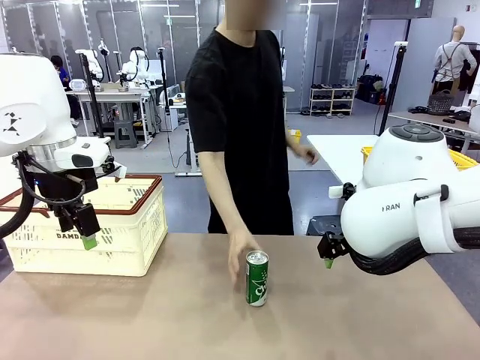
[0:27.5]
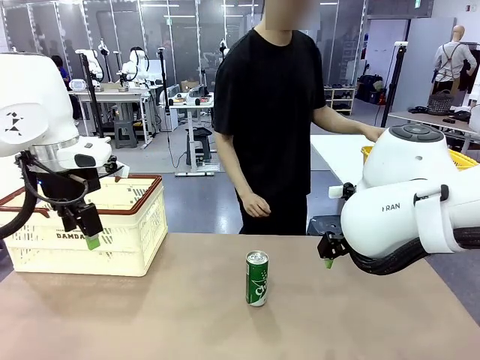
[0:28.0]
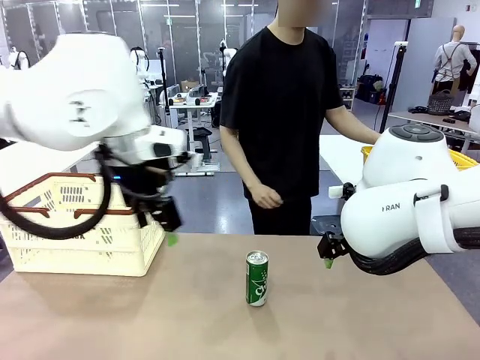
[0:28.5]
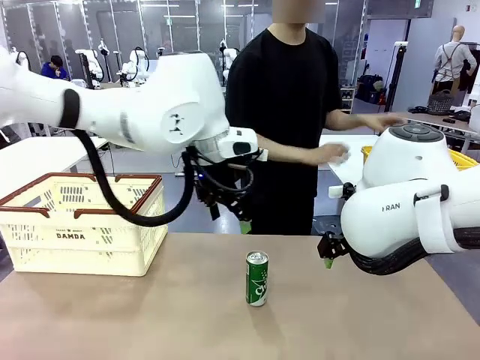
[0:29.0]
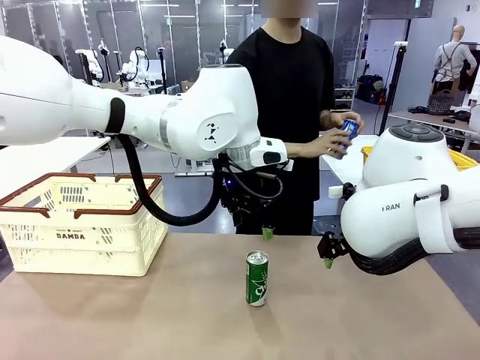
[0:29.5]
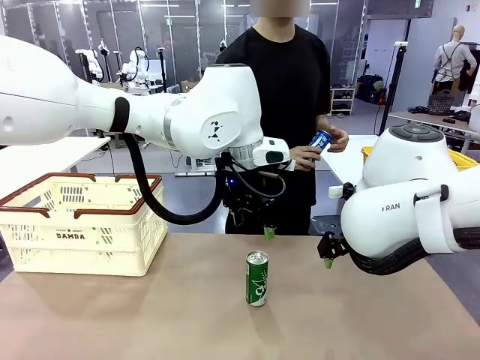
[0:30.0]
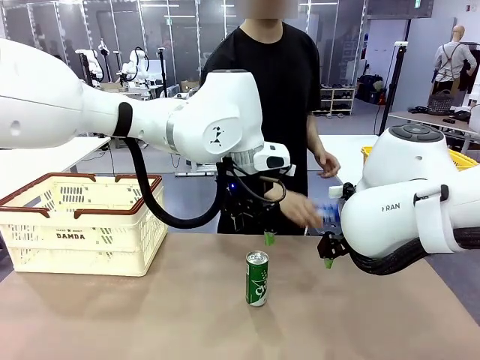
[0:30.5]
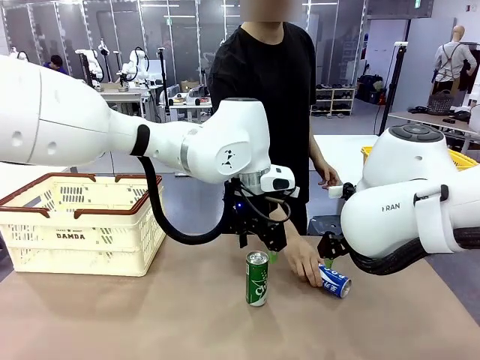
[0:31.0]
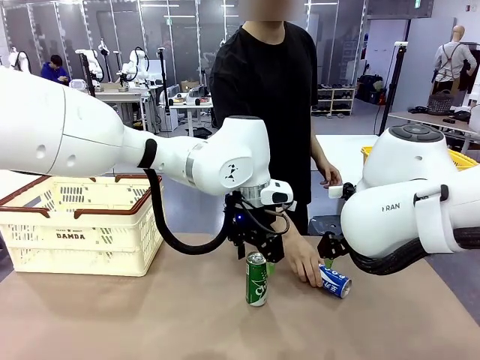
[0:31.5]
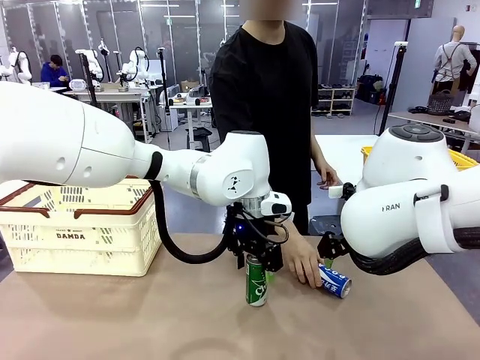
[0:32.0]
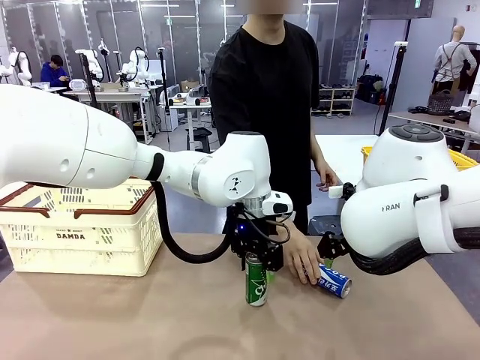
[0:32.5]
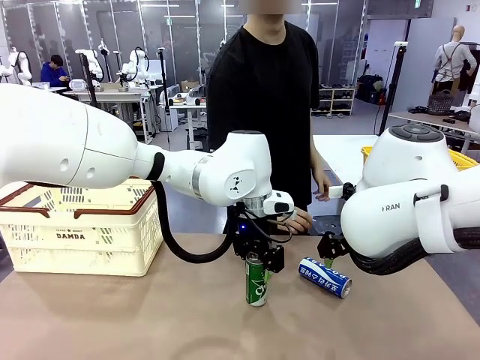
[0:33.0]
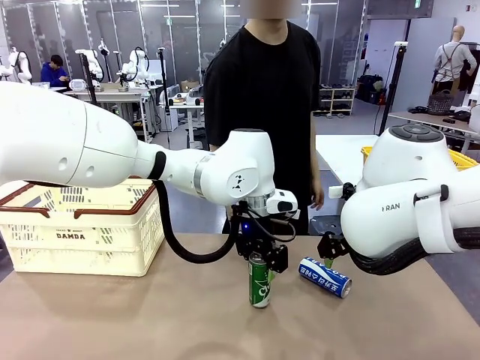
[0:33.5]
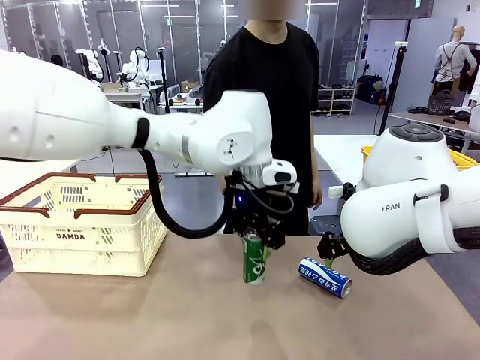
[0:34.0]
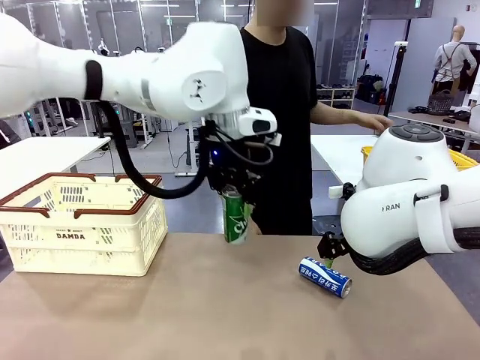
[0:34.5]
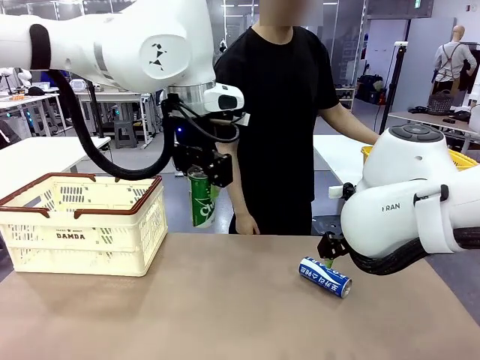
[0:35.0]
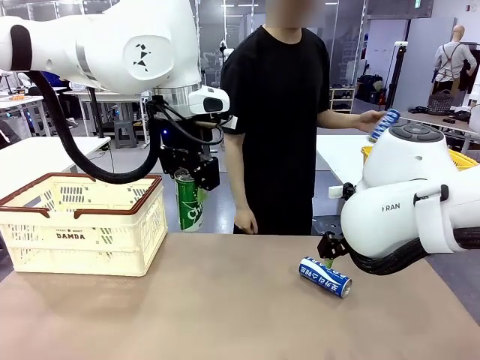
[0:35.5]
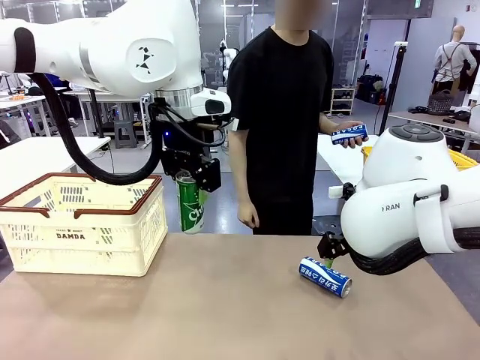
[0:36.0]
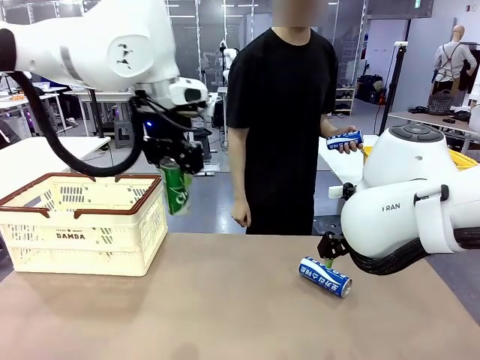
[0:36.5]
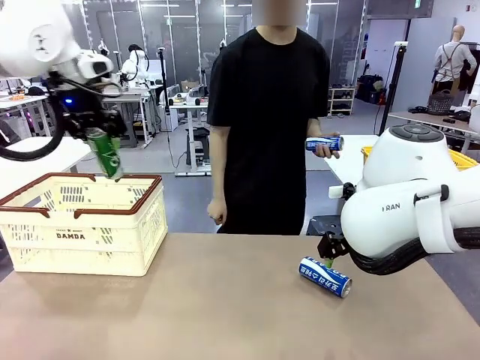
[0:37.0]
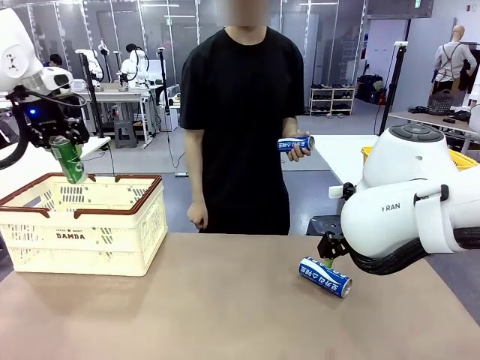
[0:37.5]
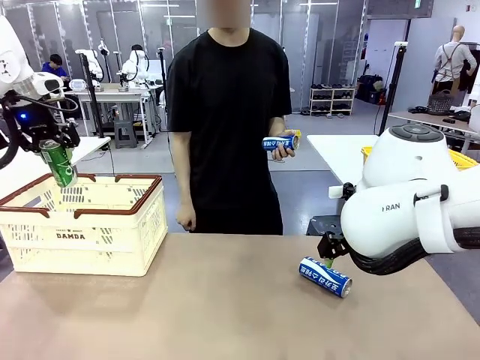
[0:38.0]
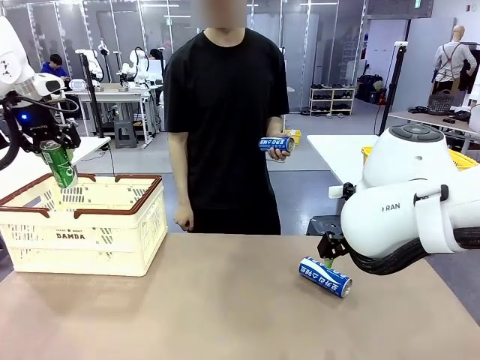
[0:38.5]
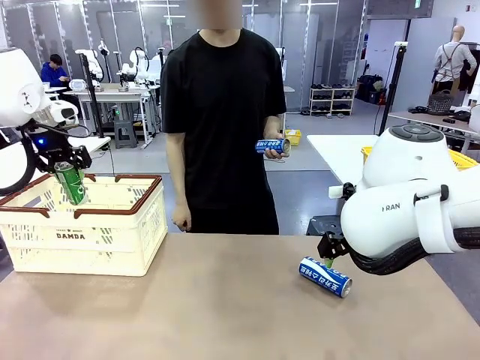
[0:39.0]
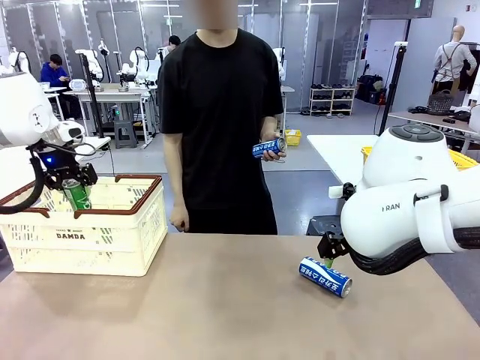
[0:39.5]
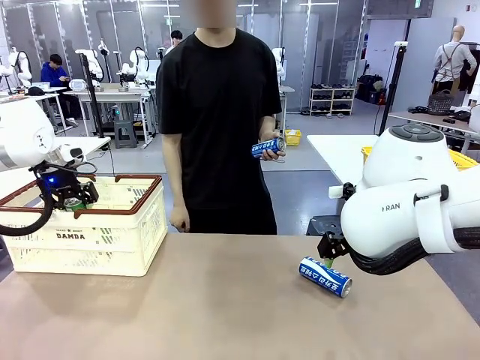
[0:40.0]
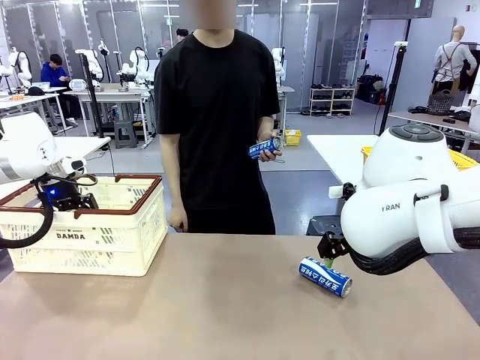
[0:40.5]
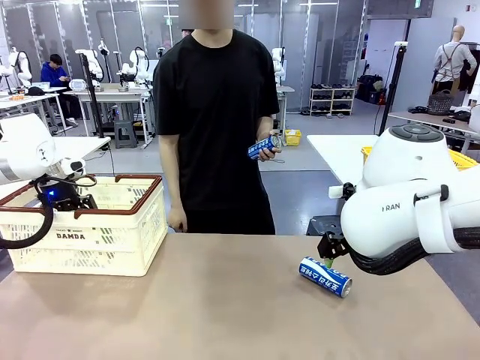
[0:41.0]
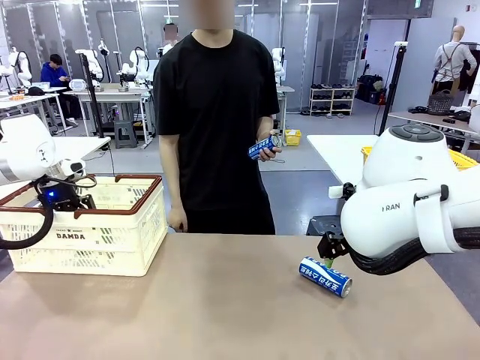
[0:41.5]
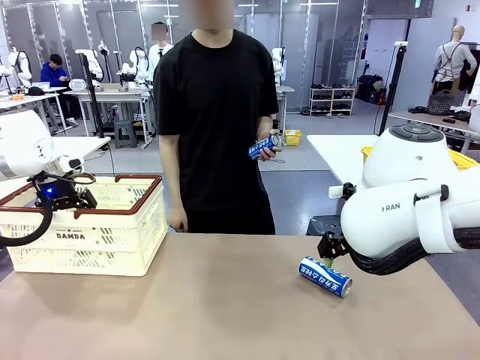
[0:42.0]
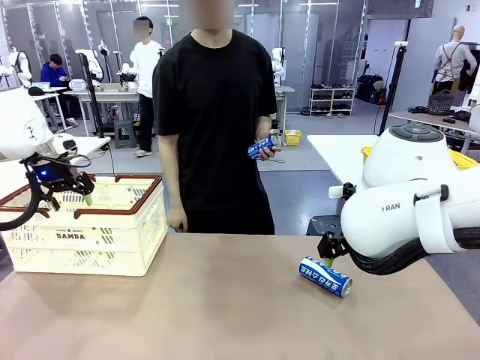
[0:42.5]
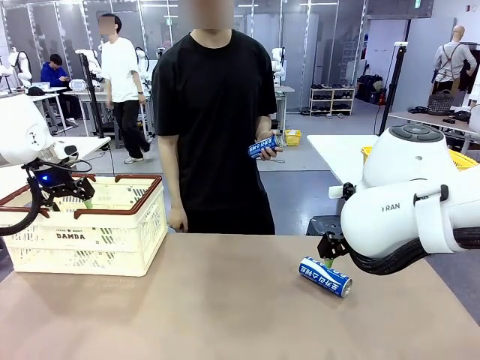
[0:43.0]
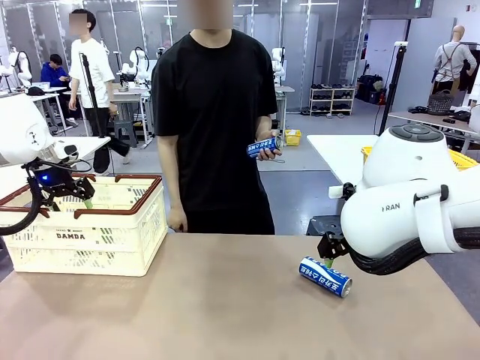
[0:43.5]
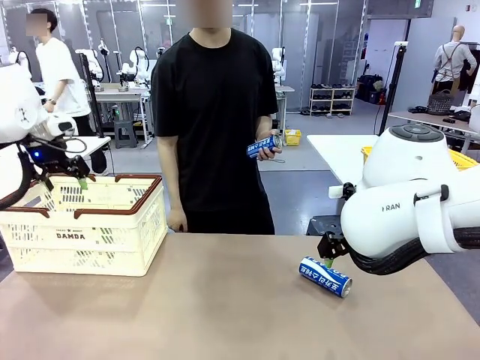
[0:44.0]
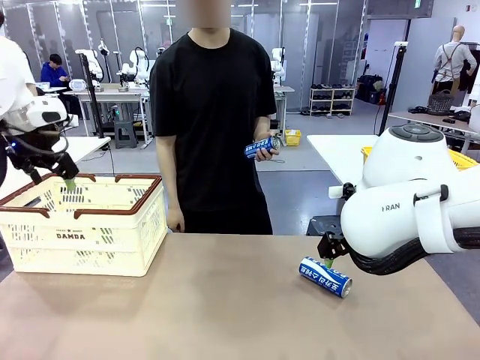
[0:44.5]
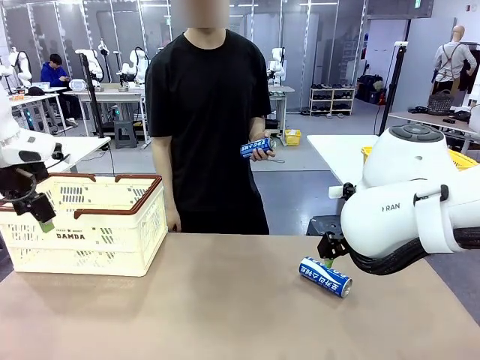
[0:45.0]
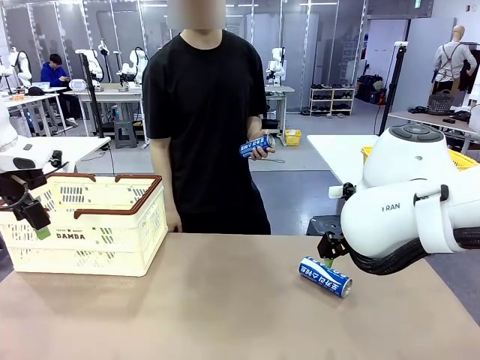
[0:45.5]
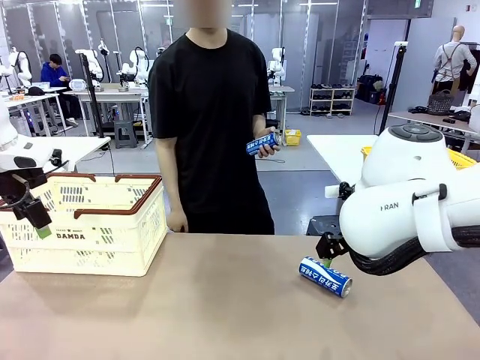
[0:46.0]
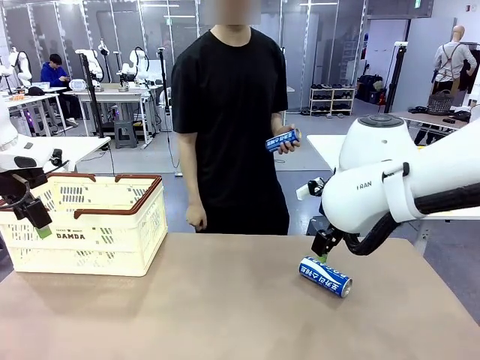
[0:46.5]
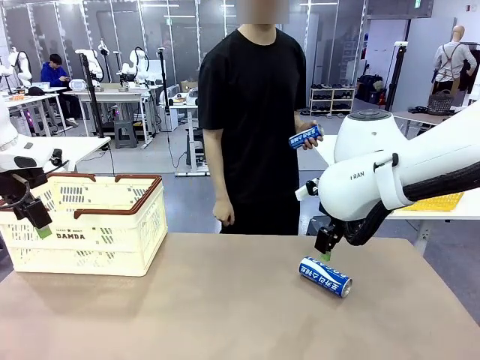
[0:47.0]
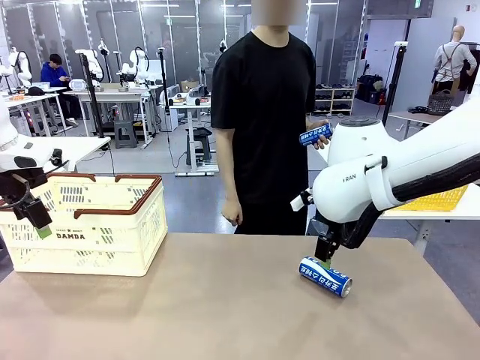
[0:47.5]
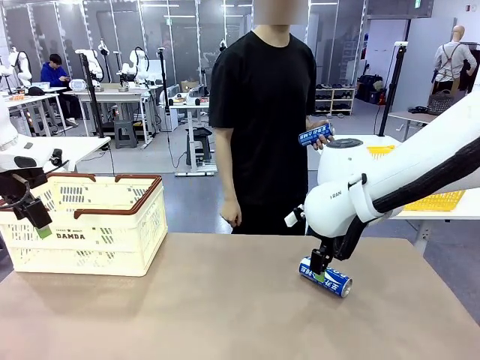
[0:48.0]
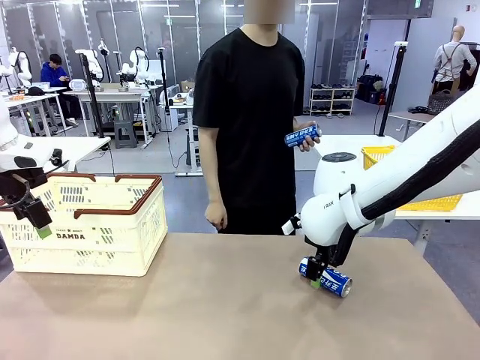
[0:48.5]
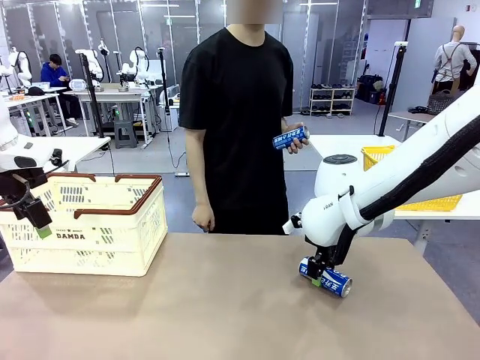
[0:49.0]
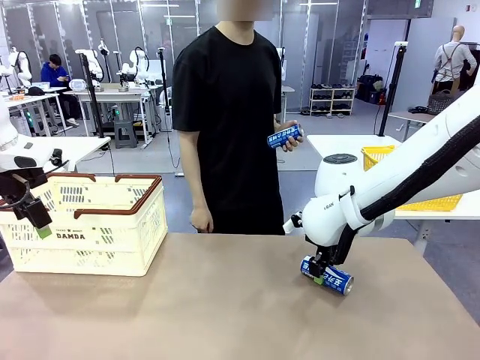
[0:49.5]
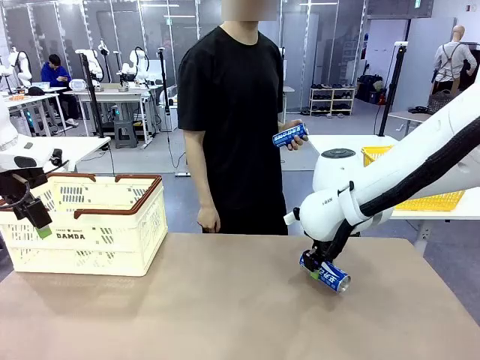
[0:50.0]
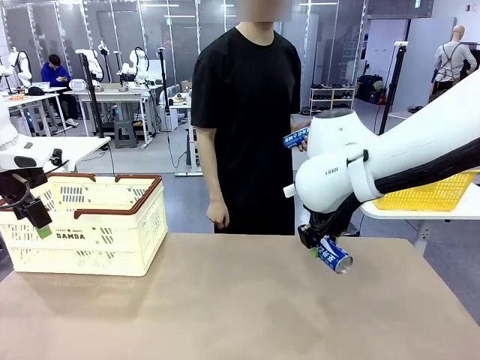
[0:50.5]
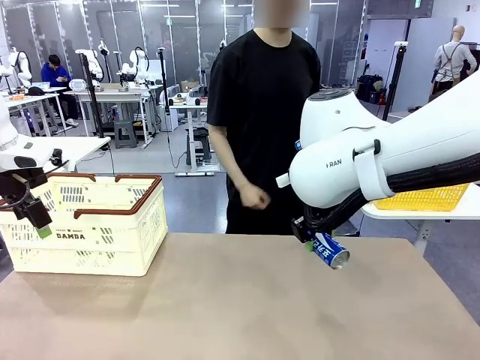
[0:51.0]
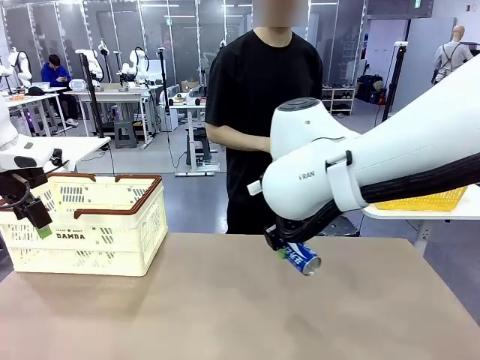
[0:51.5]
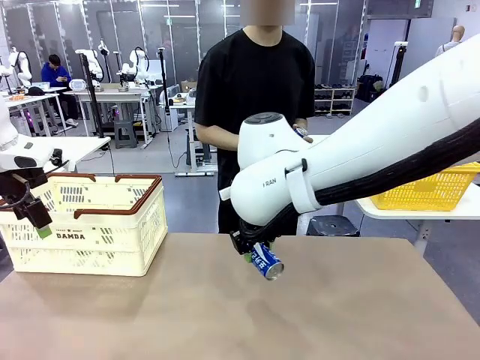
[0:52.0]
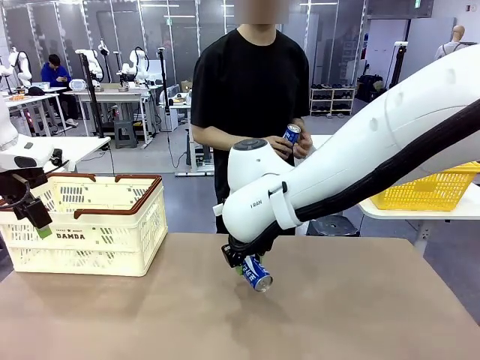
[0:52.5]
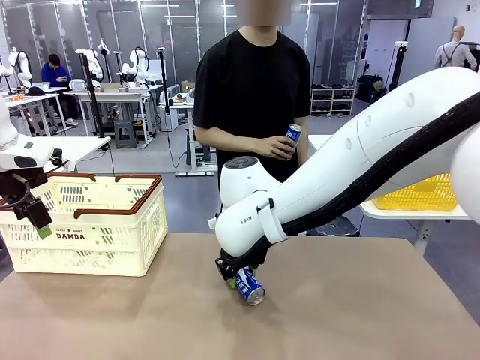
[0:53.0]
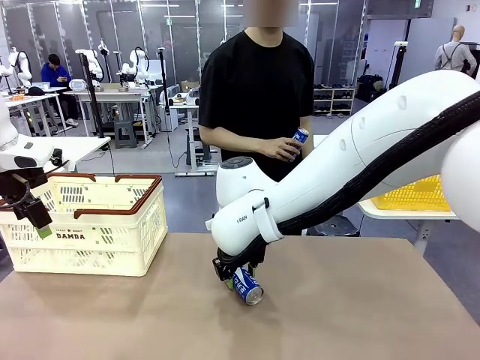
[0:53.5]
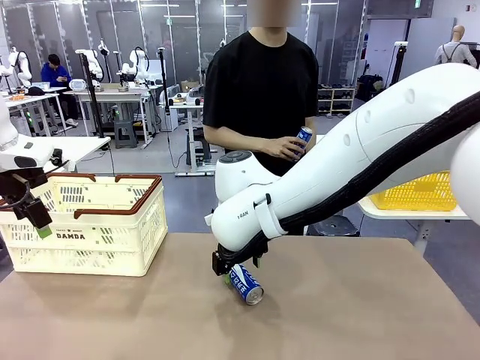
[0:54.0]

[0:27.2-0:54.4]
Task: Place the drinks into the Shopping basket.
Robot: Pick up one drink and place it into the Shopping basket.
